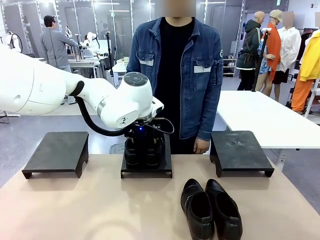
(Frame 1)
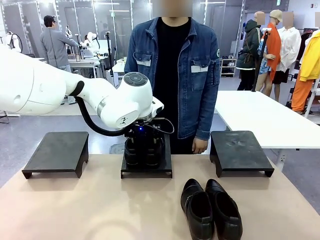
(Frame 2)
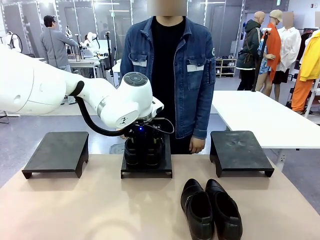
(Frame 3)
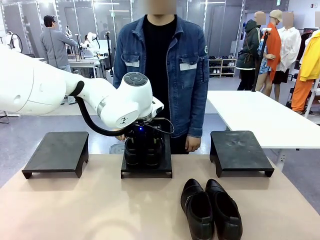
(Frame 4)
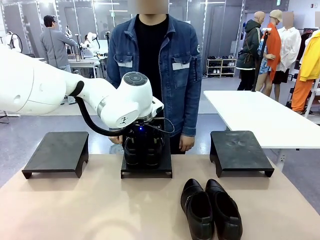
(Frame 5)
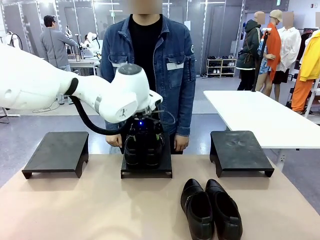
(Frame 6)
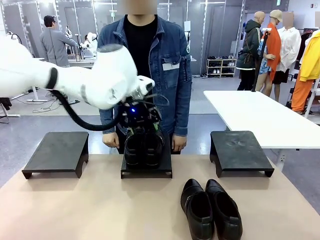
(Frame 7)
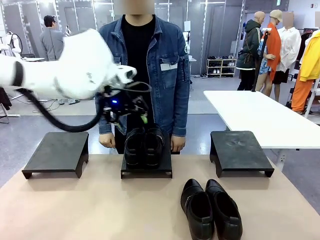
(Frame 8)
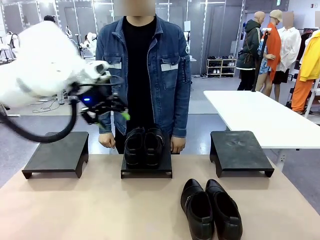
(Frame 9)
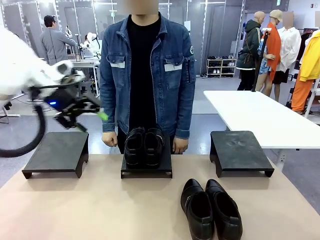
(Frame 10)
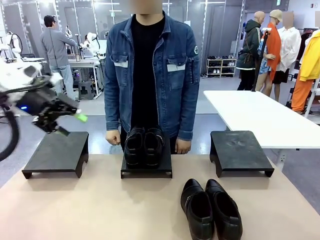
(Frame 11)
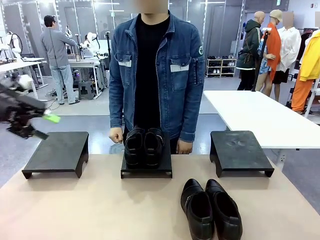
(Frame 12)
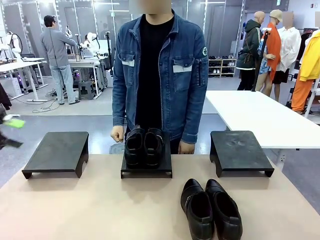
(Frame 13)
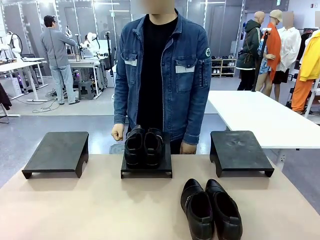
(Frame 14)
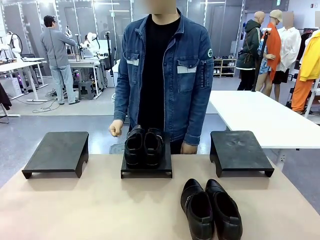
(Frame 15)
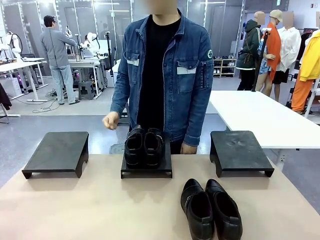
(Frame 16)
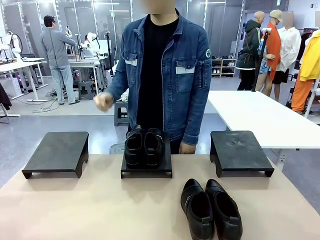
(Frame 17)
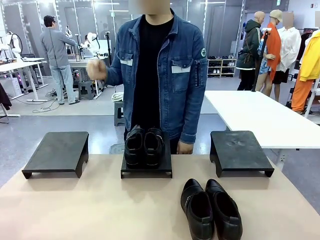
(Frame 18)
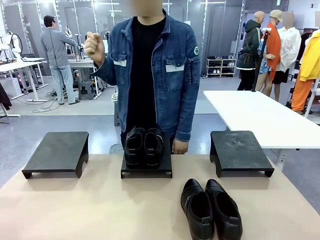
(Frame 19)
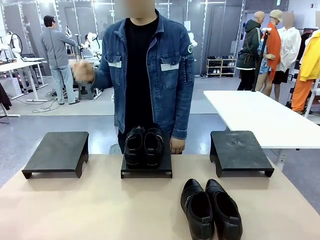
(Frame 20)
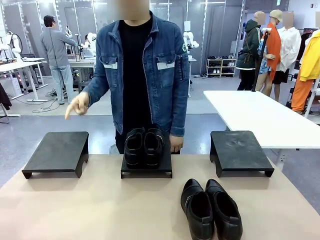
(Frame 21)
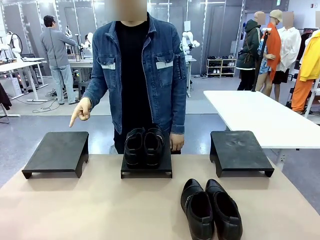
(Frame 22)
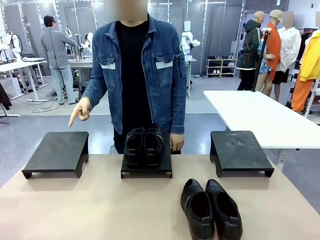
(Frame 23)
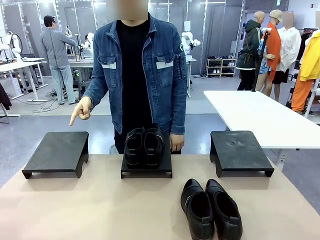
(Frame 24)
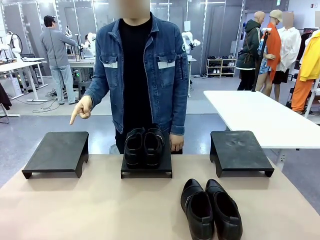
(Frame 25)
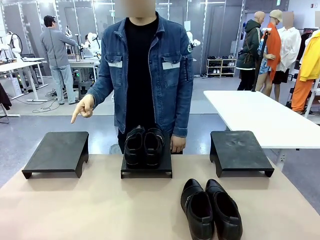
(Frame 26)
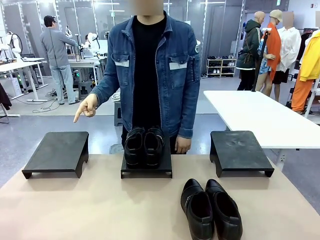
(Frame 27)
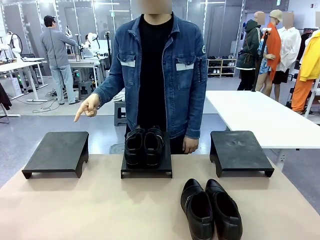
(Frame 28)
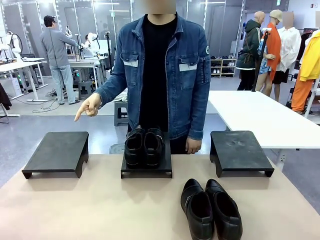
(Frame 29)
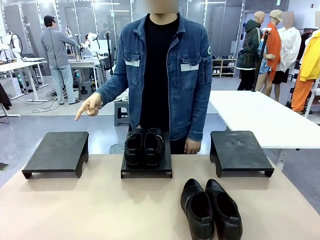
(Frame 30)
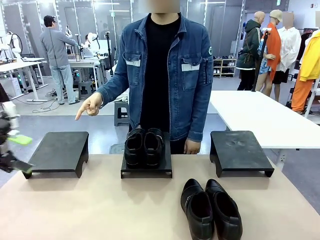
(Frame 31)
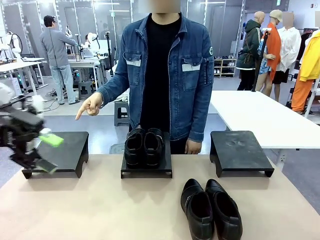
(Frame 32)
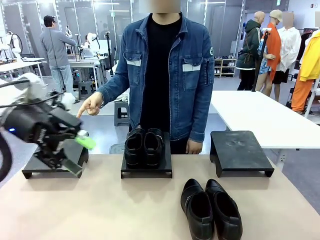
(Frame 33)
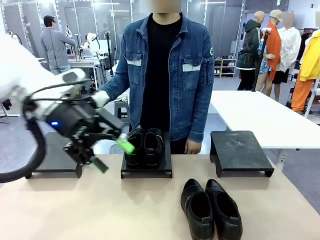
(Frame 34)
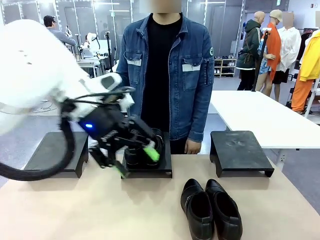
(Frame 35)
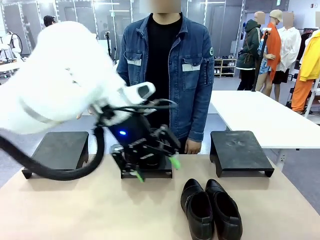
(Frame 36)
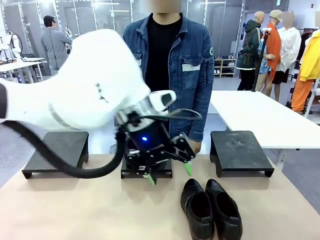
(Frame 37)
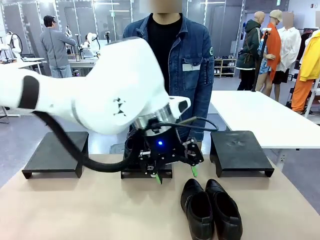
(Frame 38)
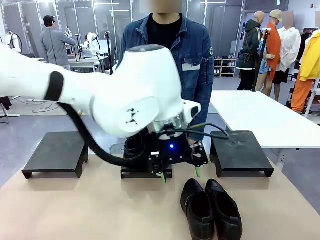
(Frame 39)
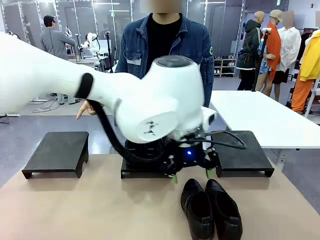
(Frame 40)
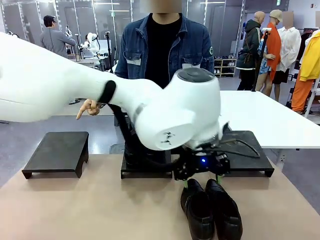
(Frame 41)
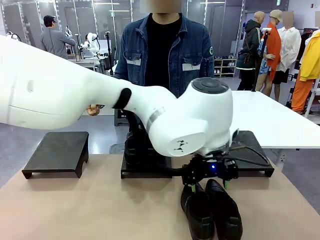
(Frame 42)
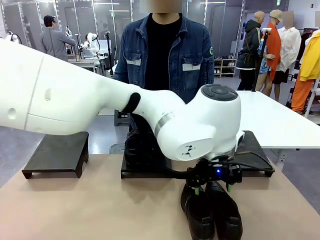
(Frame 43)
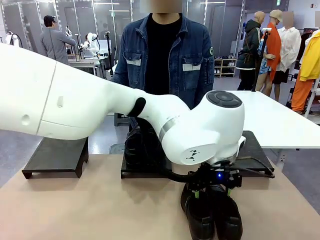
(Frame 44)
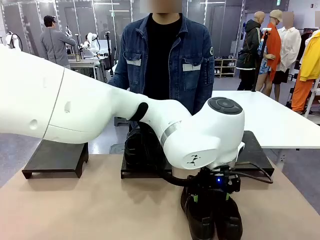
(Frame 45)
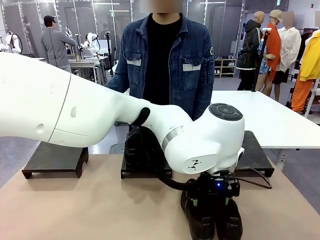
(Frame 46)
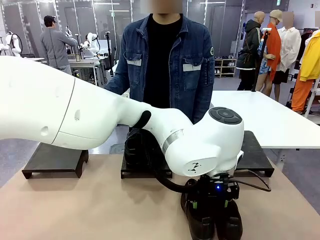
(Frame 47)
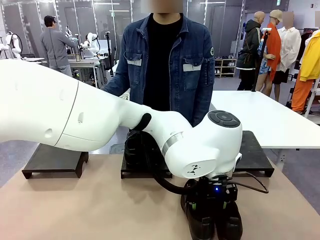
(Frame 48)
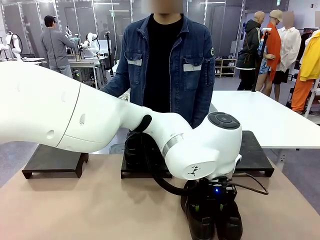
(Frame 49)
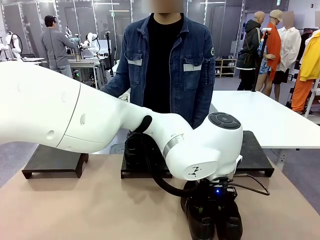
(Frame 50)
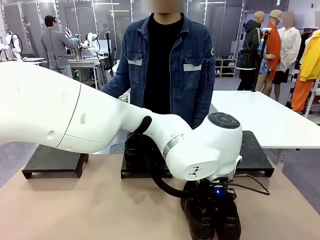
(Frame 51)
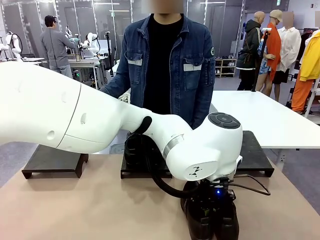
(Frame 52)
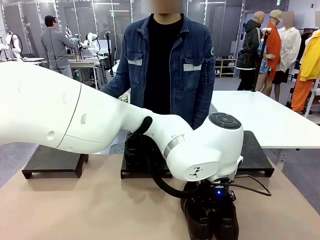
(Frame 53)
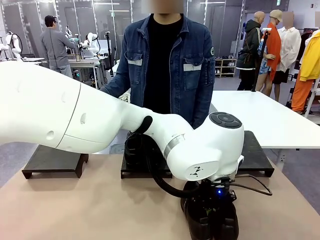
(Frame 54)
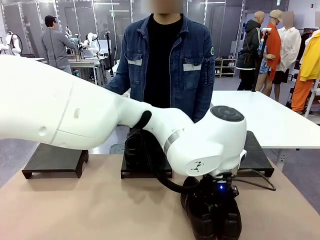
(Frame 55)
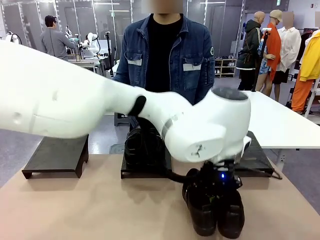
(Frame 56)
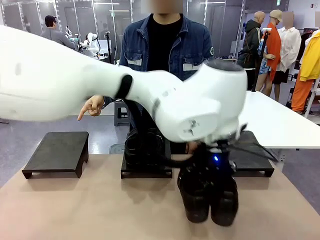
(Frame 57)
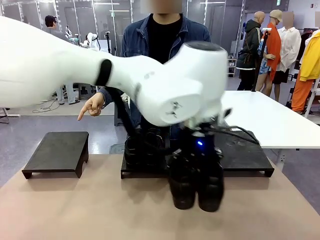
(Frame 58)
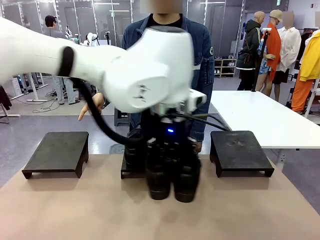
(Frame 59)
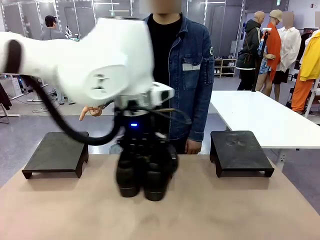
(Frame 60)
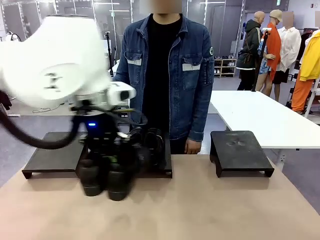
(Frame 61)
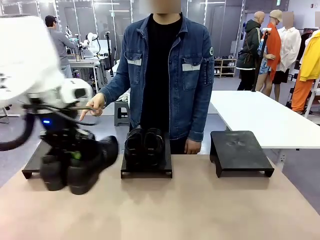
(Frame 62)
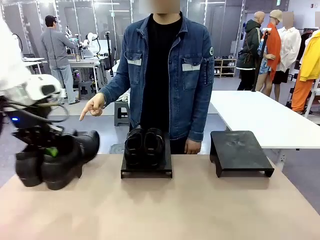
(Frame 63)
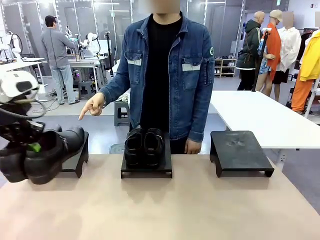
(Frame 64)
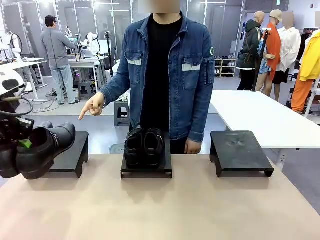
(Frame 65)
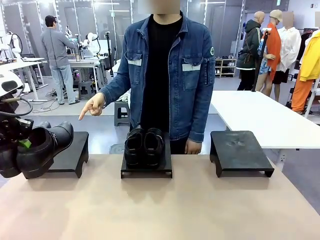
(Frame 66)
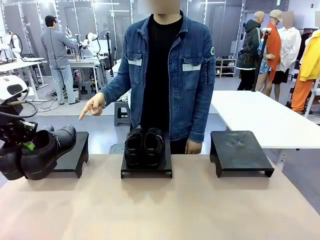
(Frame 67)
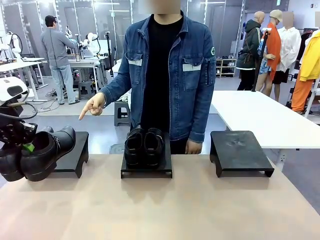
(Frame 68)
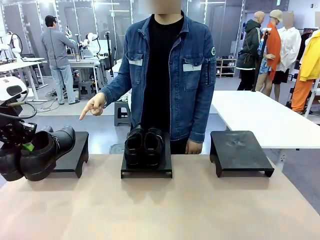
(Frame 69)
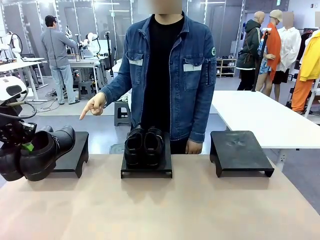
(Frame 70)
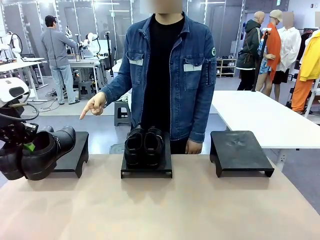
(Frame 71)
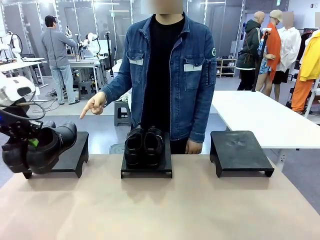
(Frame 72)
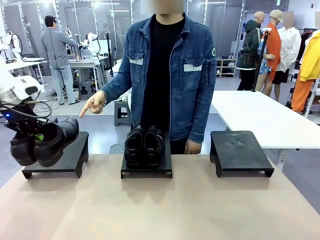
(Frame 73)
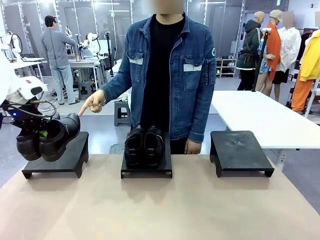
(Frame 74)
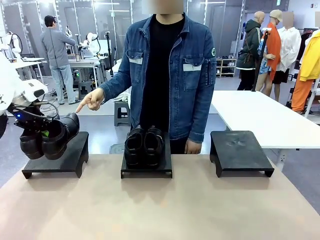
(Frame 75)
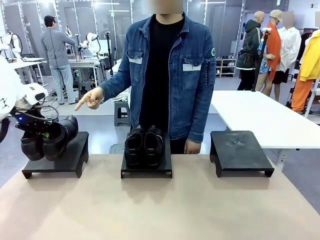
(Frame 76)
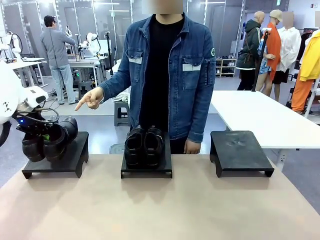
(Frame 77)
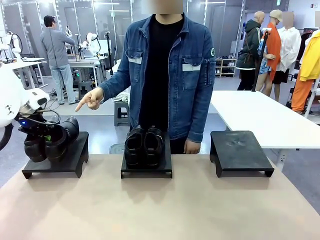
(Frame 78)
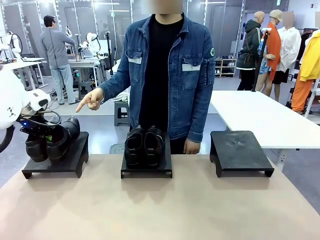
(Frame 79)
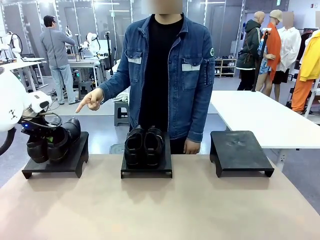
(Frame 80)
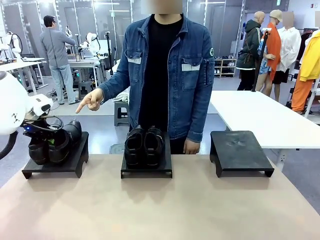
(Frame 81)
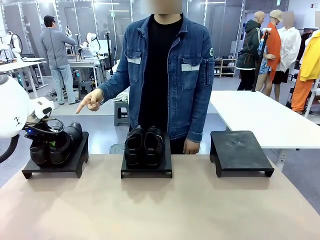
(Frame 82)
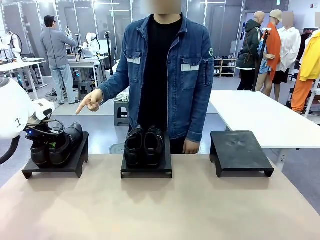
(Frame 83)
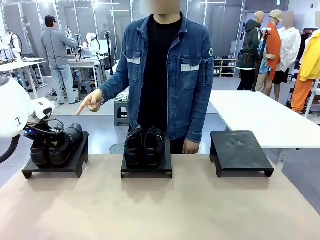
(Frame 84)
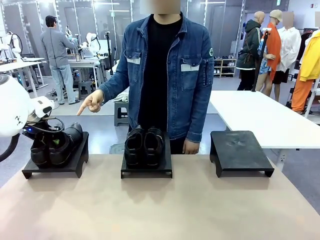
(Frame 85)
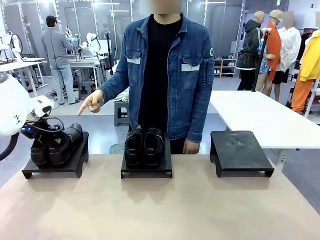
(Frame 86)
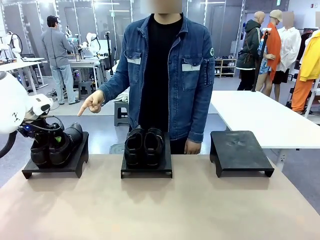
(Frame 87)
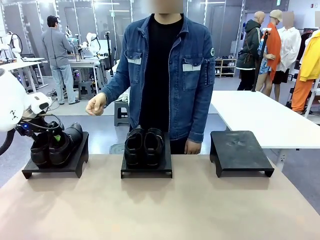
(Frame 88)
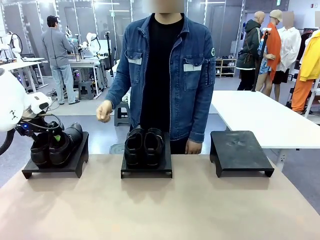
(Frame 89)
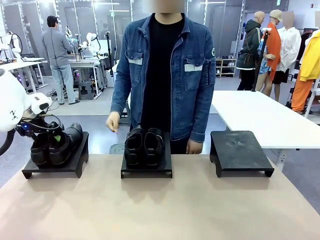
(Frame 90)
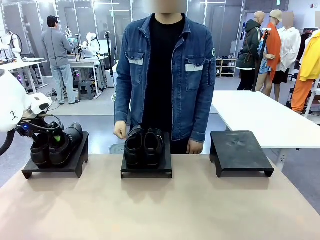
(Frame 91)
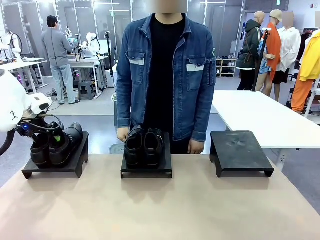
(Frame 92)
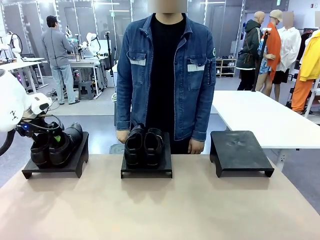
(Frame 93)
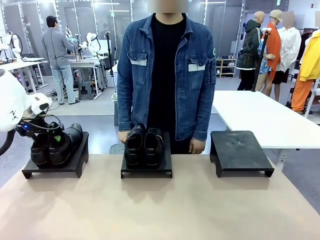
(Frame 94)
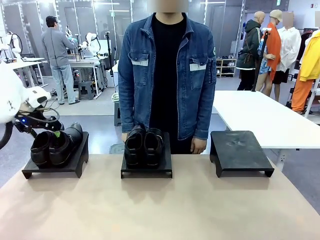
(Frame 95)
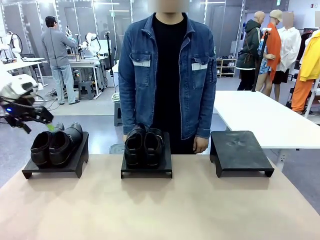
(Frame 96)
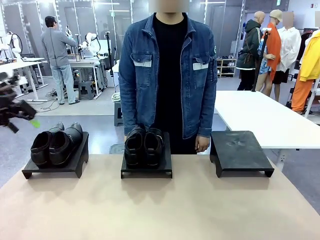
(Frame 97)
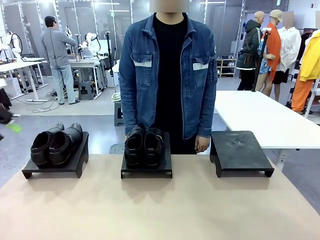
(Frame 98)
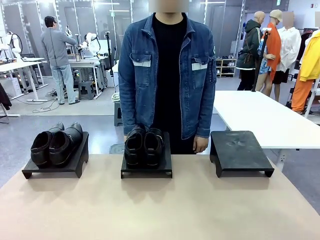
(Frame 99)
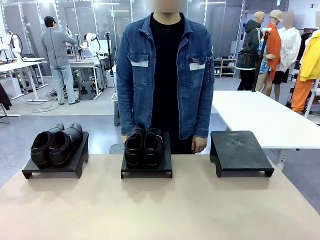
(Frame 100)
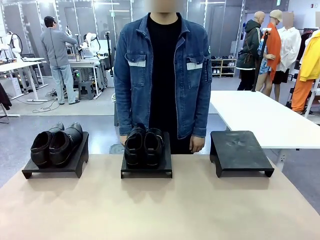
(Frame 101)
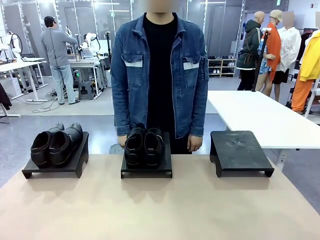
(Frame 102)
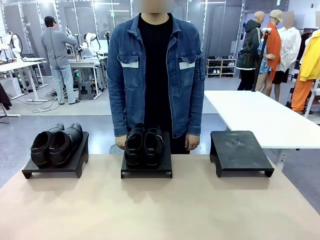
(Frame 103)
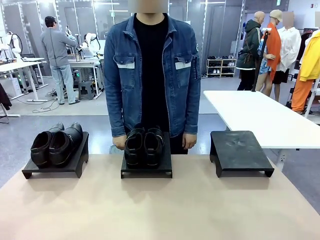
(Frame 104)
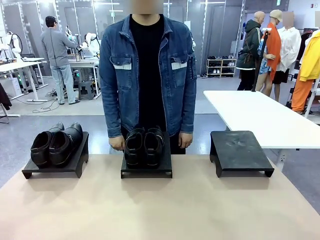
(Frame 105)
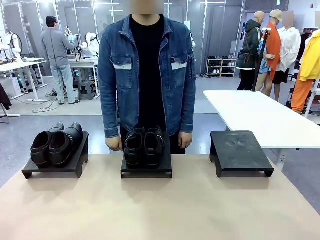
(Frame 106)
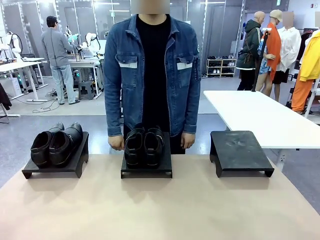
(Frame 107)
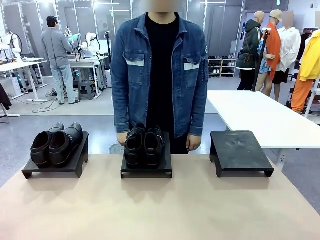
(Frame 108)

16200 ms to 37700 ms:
Task: Place the shoes on the stand as instructed by the person.
Robot: Pick up another pair of Shoes and place it on the Shoes Stand indicated by the person.
Person: Point to one Shoes Stand.
